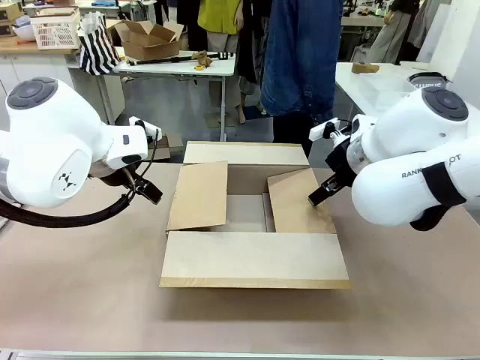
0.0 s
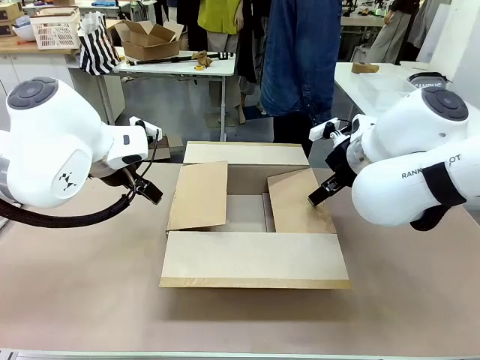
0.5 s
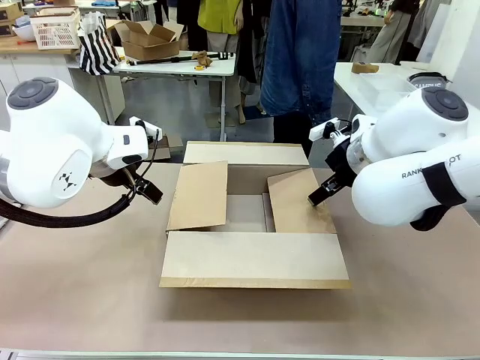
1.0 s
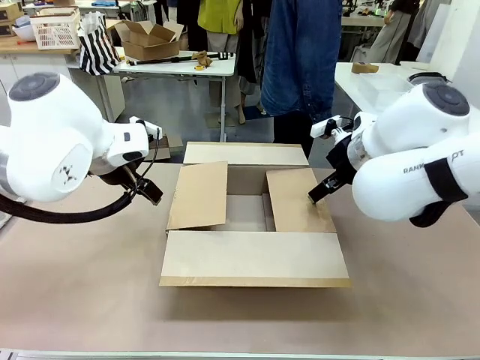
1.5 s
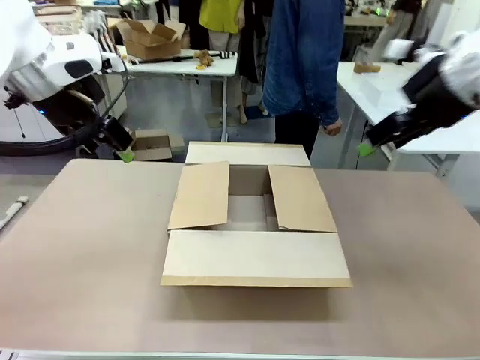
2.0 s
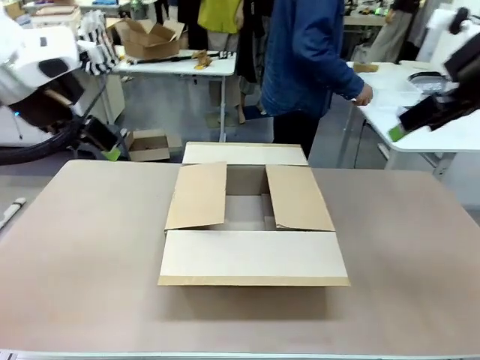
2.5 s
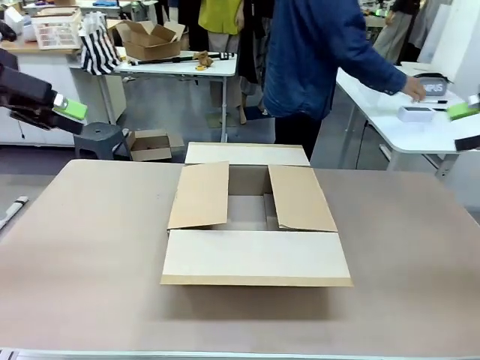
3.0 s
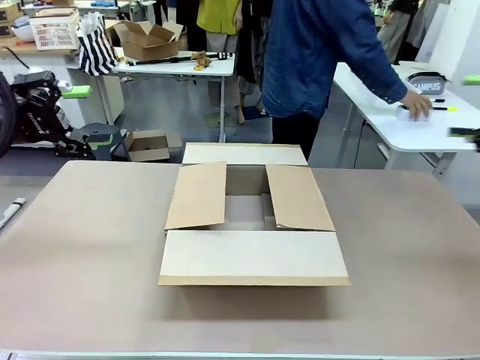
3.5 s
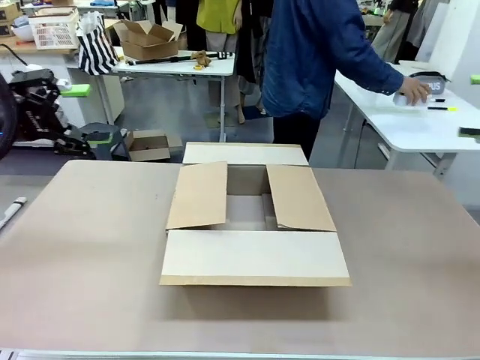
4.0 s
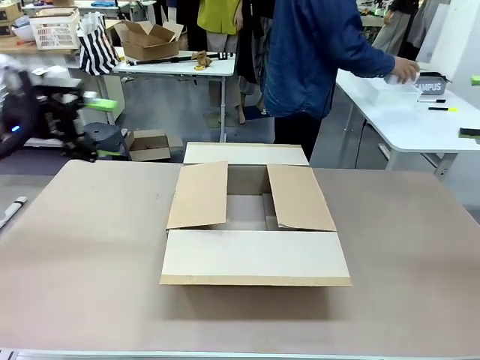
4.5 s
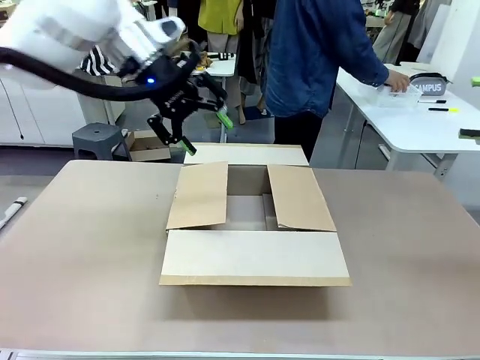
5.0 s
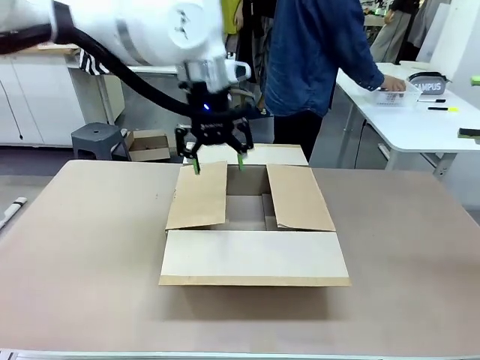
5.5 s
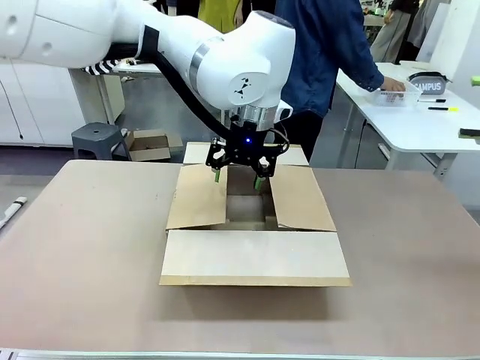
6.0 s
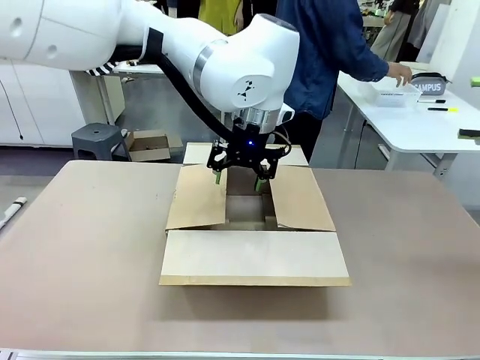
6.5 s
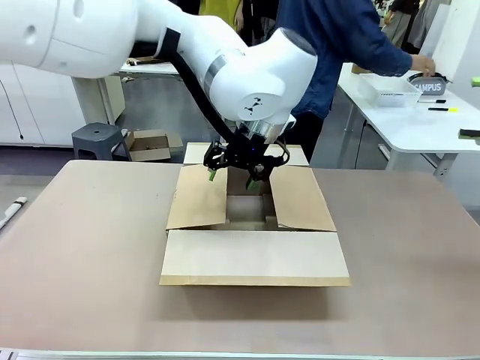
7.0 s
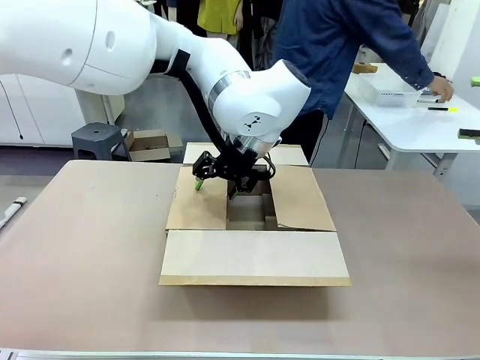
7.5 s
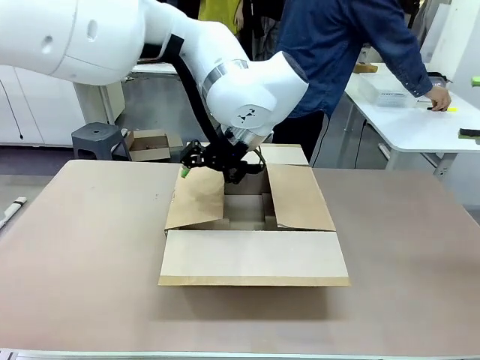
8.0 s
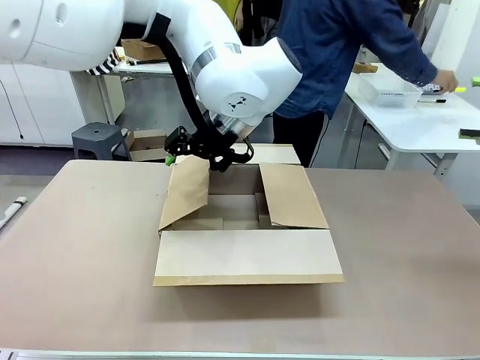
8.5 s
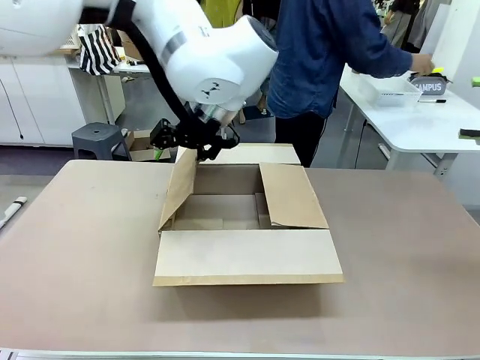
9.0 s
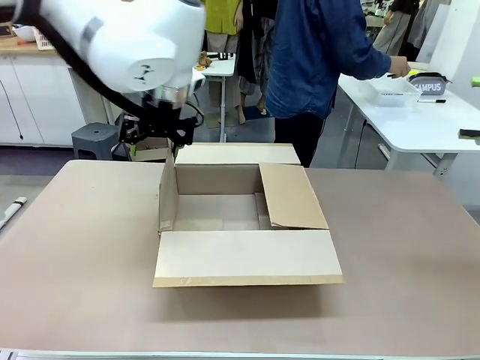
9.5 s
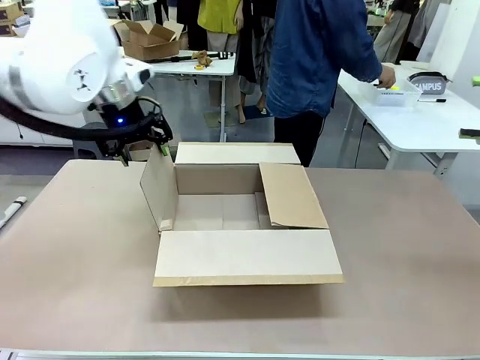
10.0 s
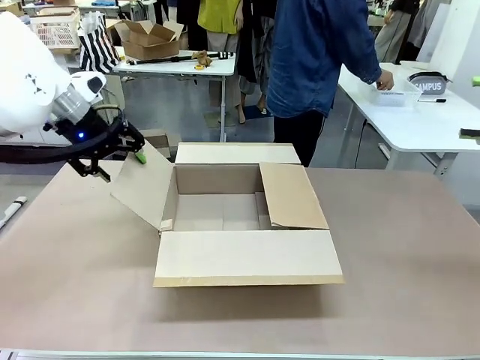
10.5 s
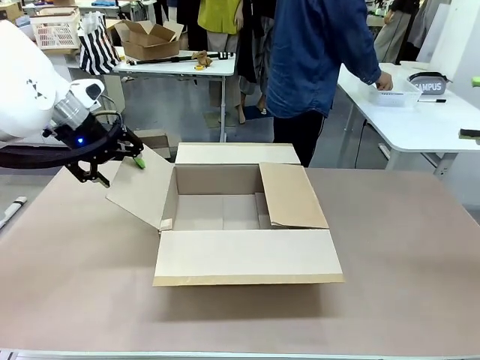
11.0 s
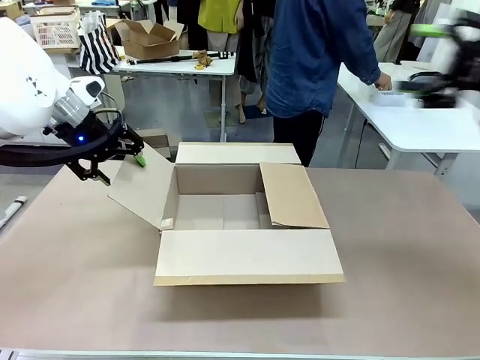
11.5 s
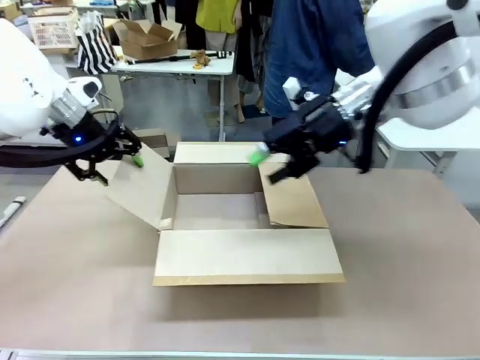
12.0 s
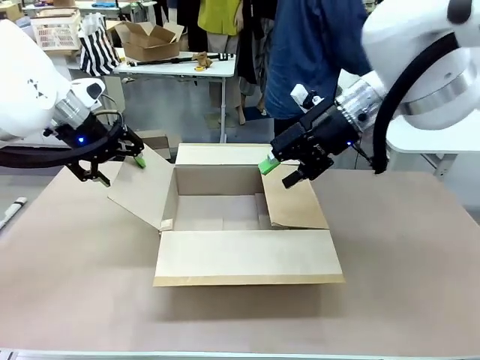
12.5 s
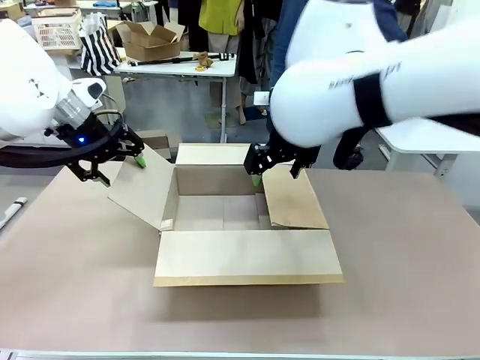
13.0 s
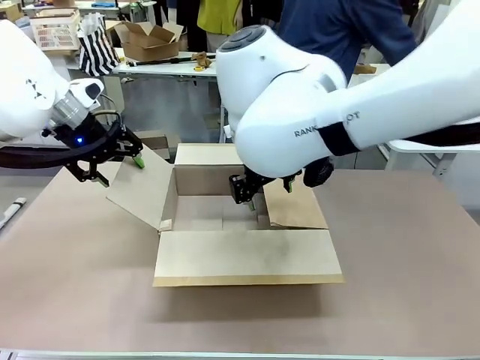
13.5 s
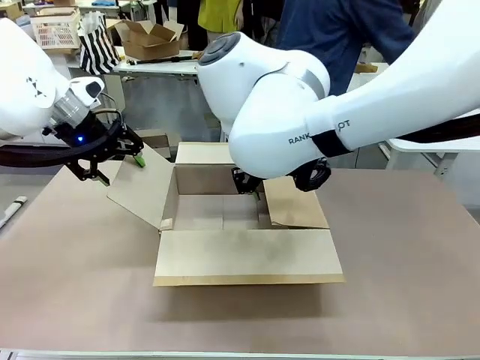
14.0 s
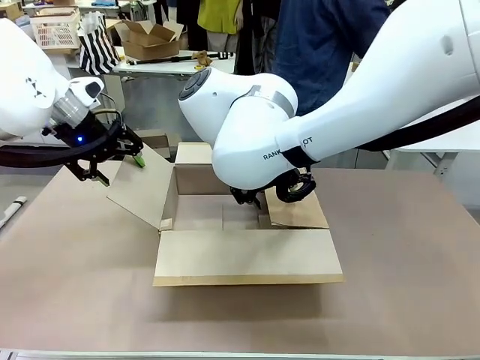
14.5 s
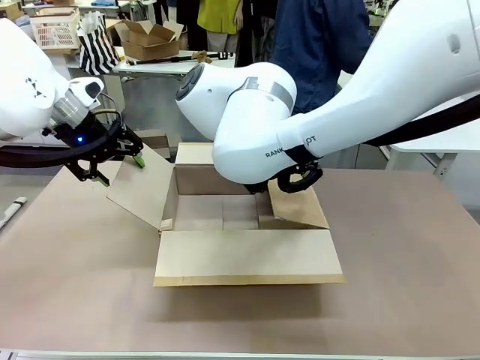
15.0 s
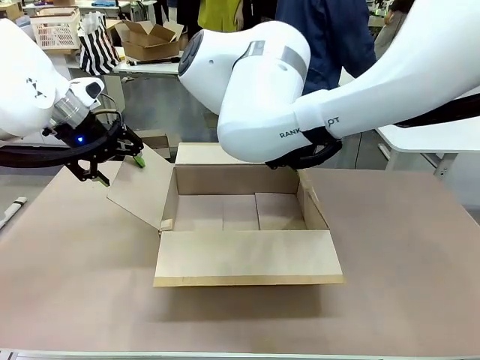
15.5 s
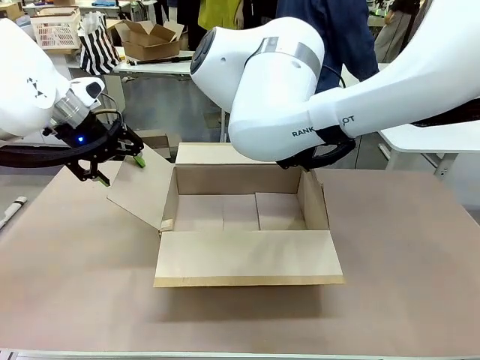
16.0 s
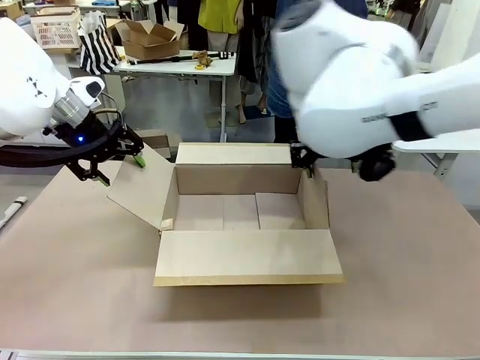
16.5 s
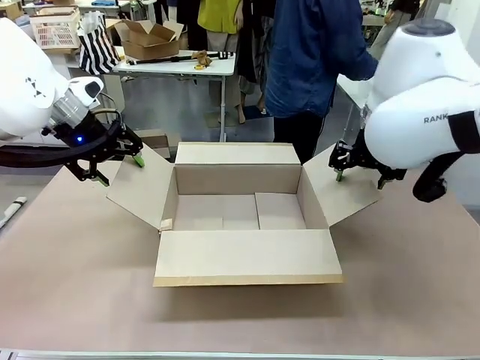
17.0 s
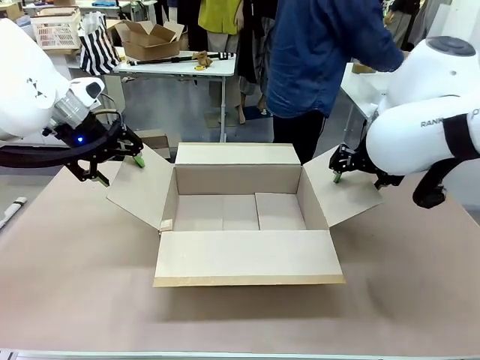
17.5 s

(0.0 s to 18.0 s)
Task: Pack the gift set into the box.
Robot: Place both hands on the side flaps of the Package Box and spread them outward.
Person: The human places all items except the paper tape into the organizing basket.
